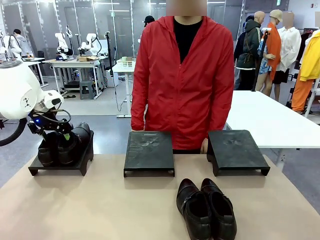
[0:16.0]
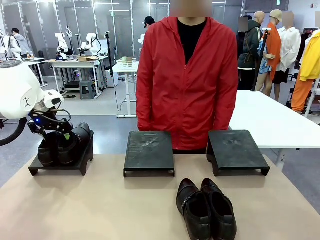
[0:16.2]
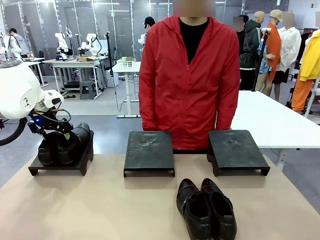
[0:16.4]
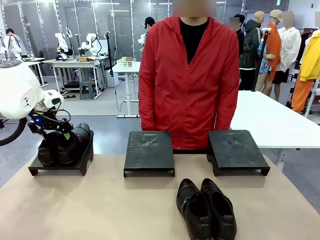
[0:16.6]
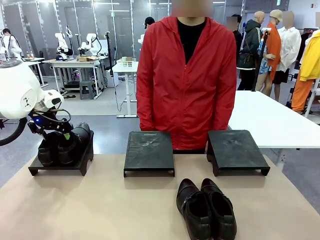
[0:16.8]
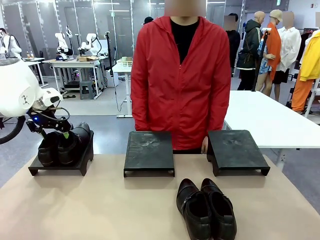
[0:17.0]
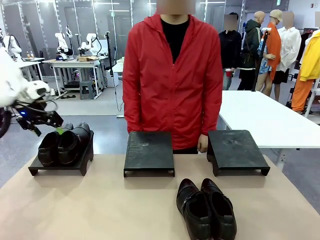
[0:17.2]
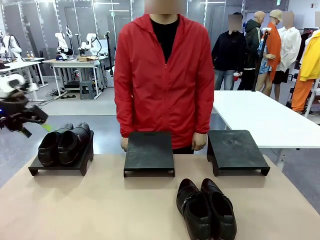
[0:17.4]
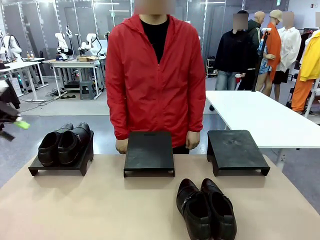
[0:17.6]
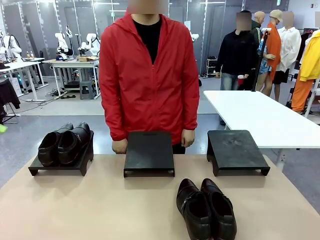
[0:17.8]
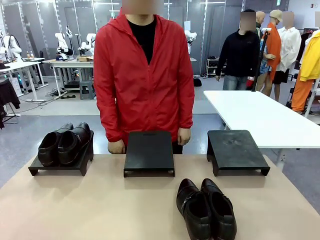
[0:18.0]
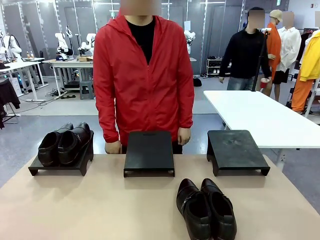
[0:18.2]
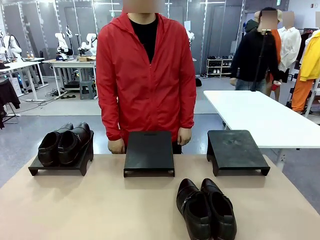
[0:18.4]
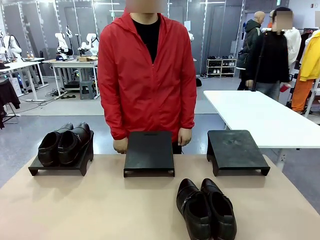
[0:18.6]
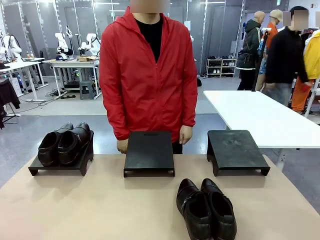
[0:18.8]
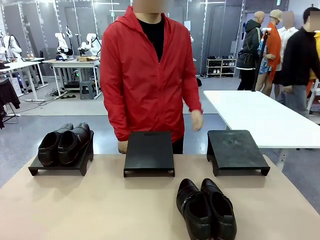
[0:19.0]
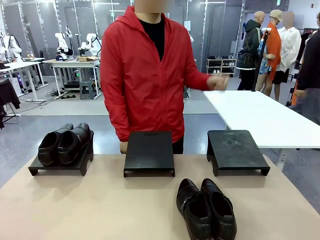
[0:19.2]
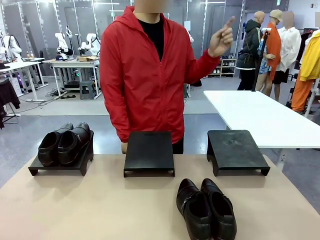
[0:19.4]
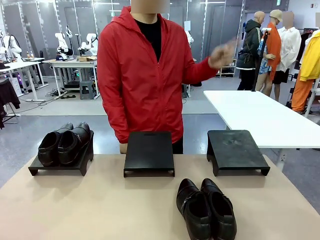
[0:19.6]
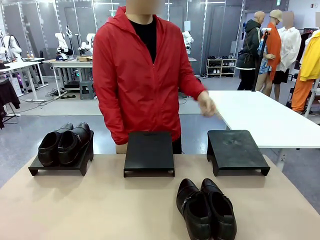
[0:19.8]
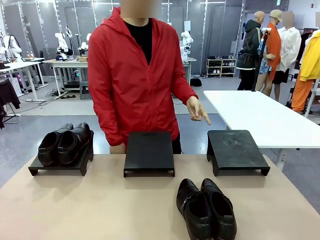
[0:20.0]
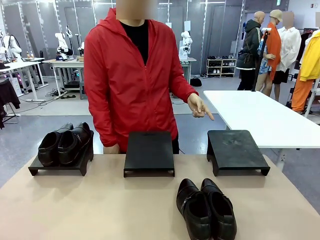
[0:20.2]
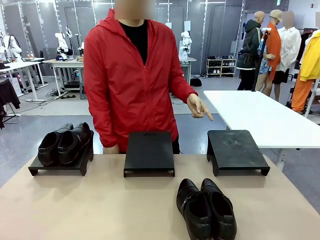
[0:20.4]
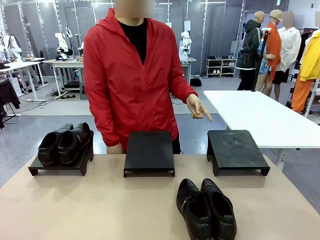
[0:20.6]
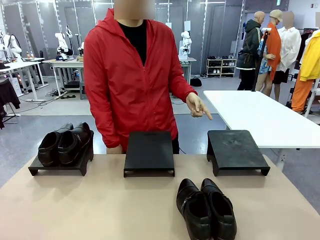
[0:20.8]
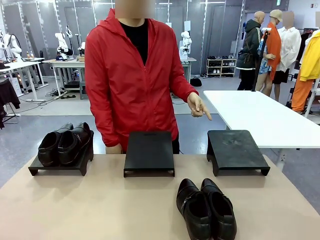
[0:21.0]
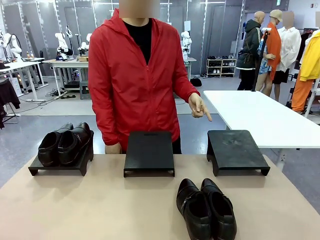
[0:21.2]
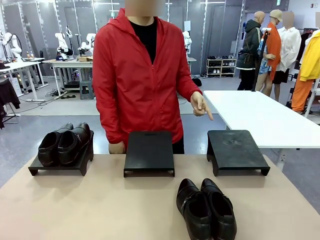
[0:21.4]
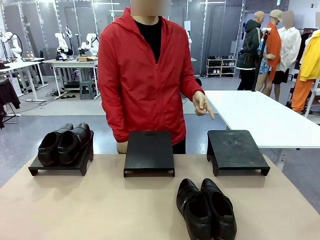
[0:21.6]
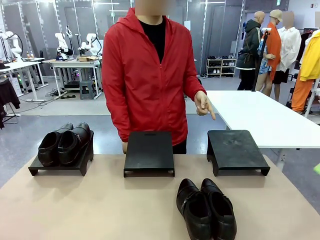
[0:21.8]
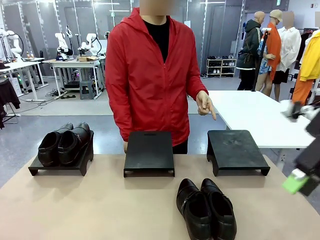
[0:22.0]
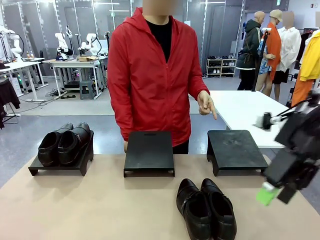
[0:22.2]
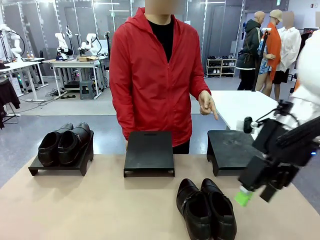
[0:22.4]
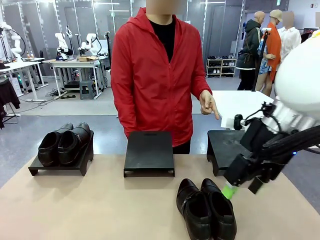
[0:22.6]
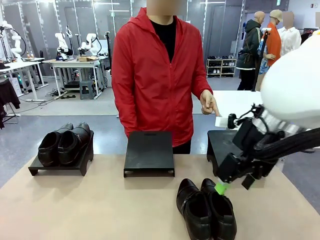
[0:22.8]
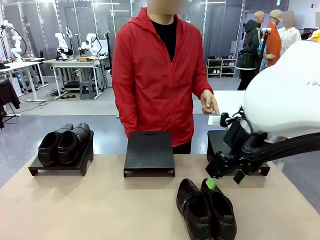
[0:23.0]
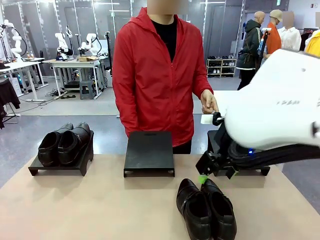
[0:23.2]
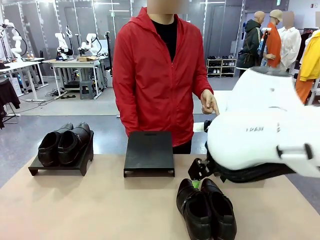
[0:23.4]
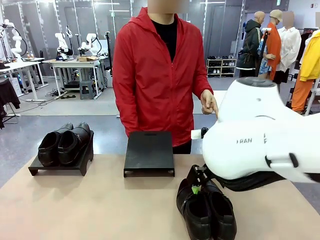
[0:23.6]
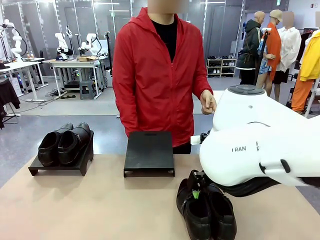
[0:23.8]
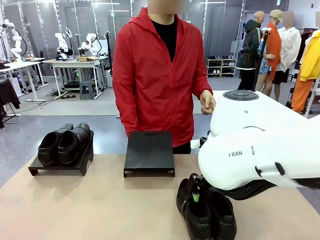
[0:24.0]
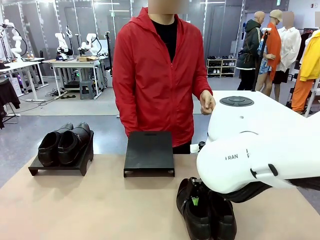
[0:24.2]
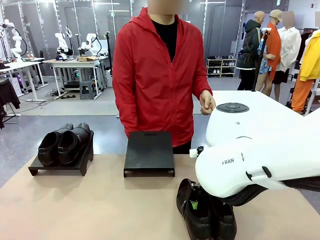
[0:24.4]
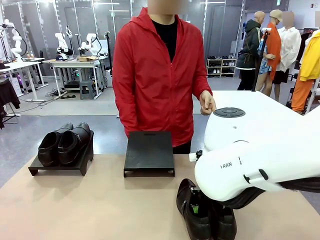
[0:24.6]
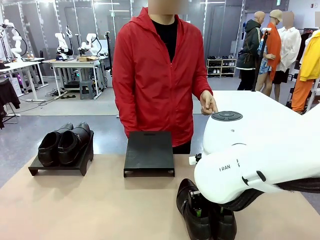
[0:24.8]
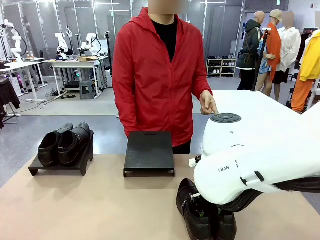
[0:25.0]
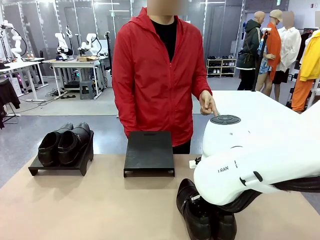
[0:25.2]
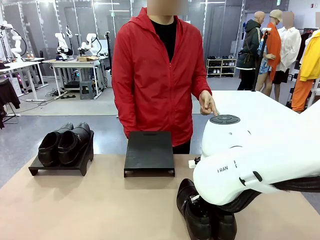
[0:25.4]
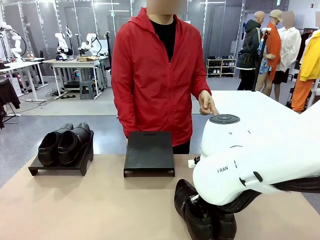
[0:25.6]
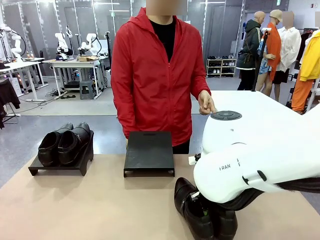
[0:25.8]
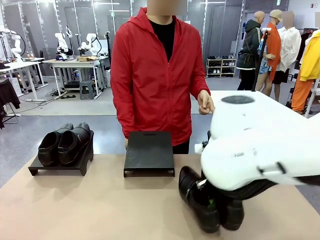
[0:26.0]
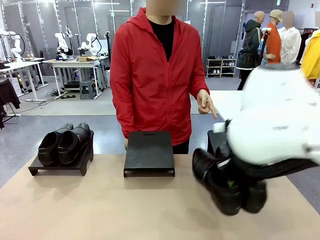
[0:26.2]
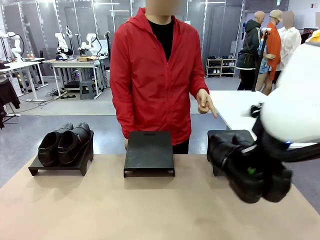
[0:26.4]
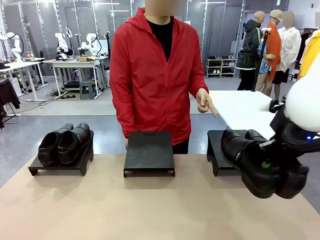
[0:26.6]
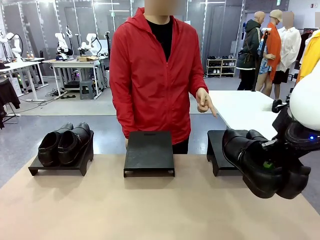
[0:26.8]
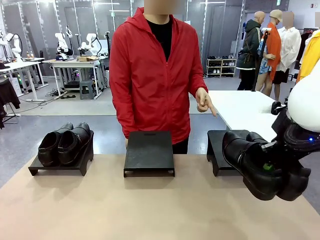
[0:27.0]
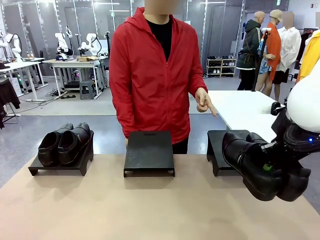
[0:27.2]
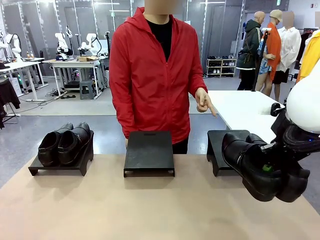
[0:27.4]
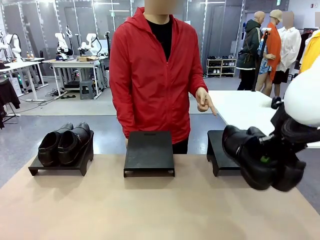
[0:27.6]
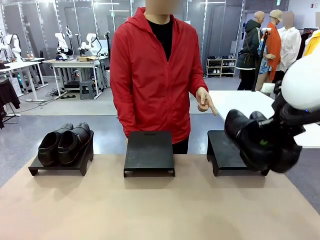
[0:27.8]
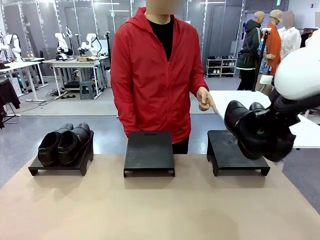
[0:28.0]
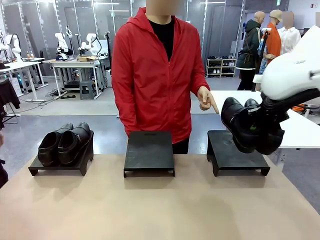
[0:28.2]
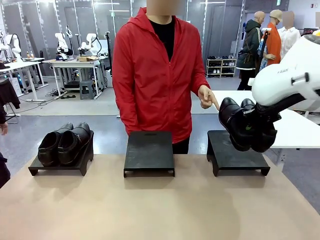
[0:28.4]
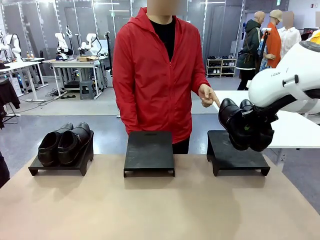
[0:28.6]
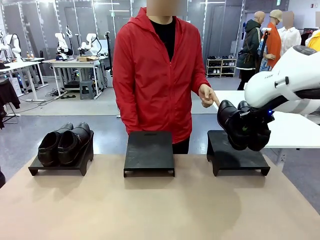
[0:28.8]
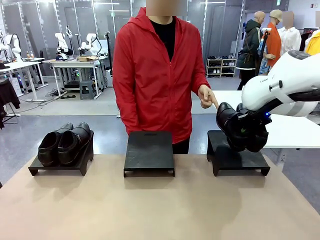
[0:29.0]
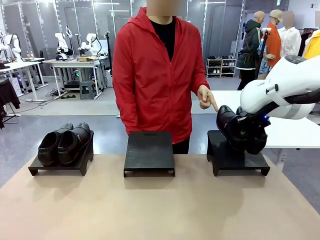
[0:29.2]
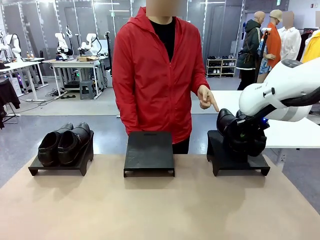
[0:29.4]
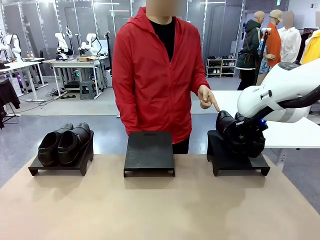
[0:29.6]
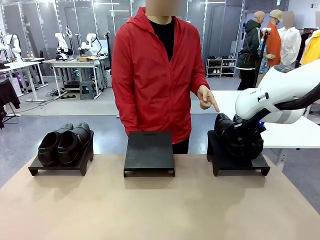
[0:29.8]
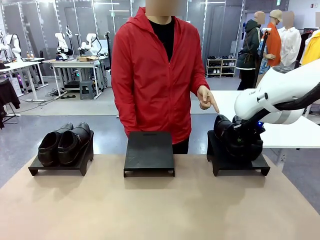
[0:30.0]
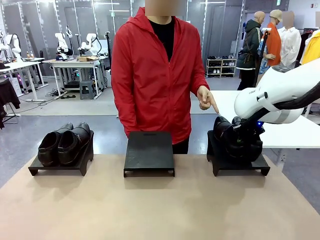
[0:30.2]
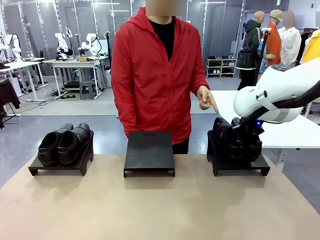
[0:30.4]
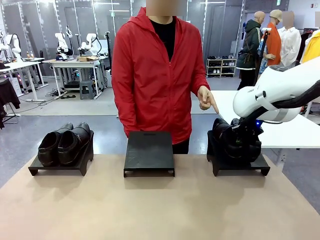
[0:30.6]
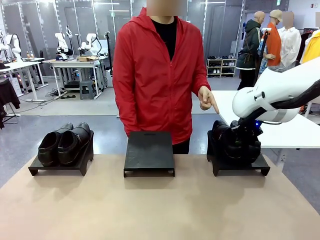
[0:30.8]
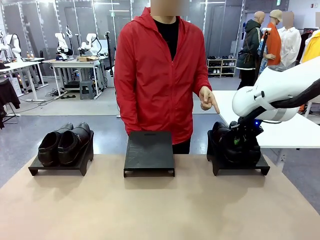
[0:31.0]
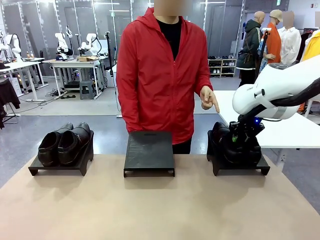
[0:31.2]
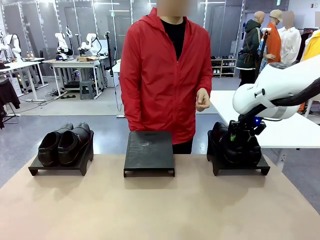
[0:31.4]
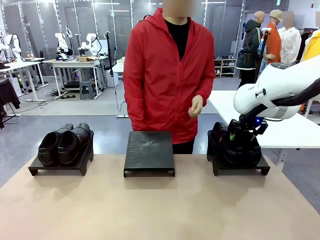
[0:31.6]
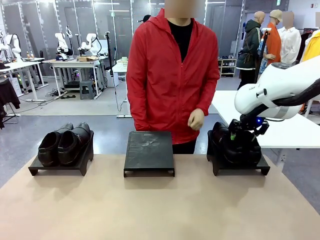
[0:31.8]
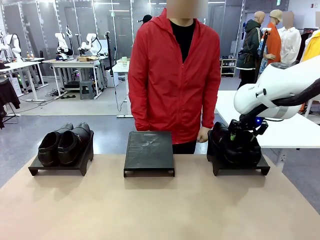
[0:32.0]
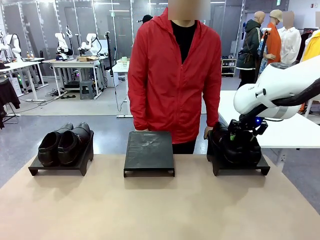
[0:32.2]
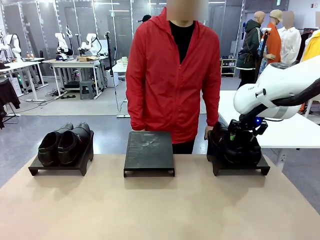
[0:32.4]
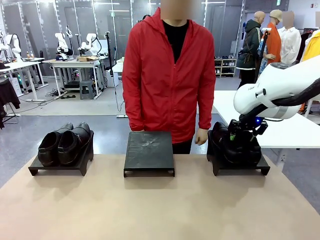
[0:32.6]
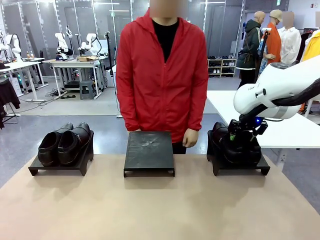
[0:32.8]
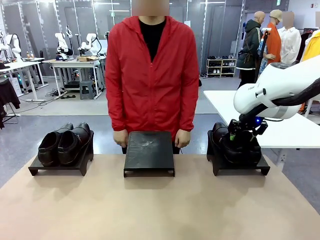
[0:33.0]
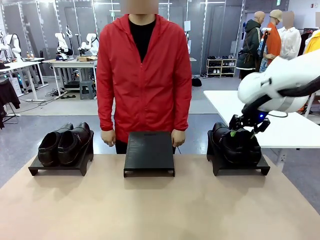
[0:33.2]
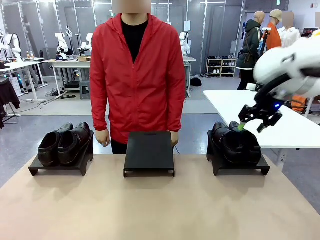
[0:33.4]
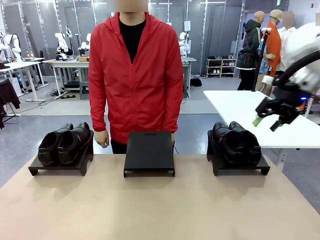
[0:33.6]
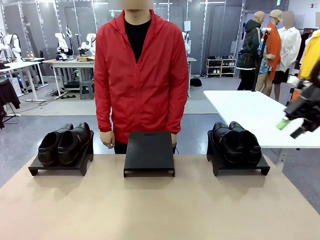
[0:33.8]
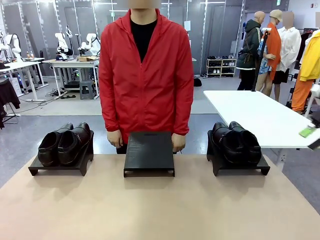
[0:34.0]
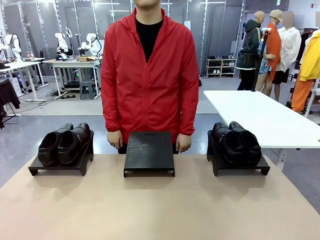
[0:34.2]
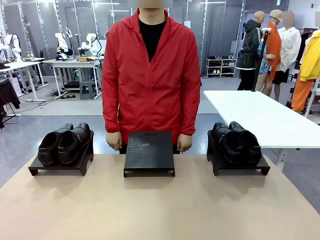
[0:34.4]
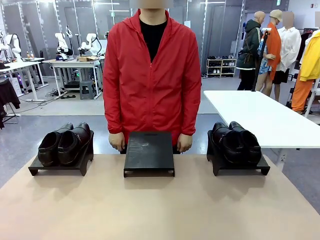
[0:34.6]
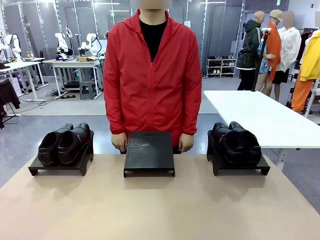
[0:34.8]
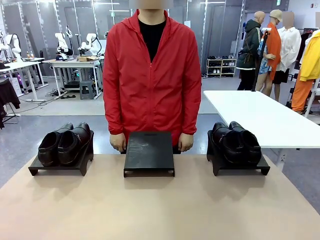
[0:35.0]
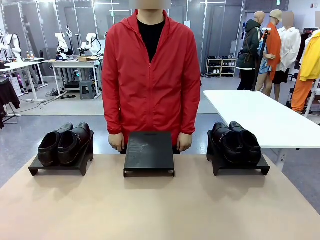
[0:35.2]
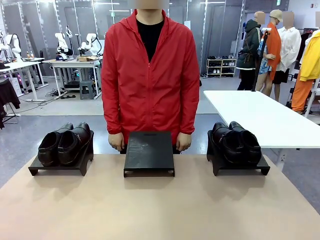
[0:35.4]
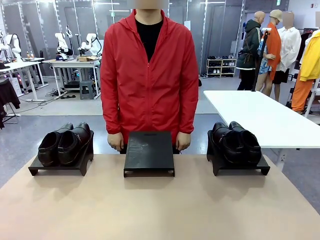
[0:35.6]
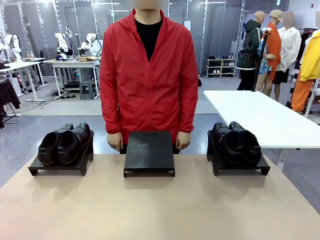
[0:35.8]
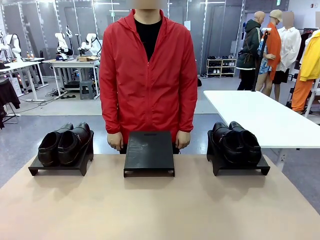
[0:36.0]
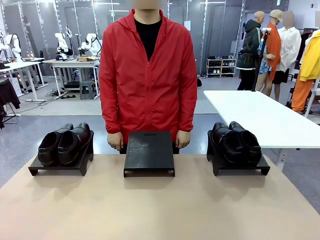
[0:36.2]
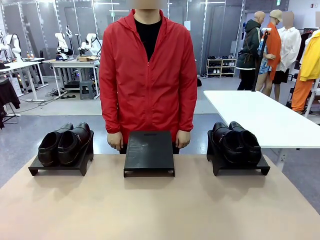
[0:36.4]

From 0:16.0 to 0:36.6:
Task: Place the shoes on the stand as instructed by the person.
Robot: Pick up another pair of Shoes and place it on the Shoes Stand indicated by the person.
Person: Point to one Shoes Stand.
